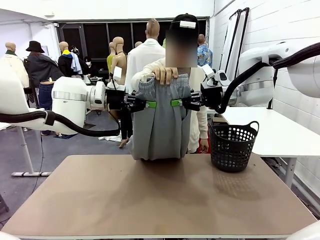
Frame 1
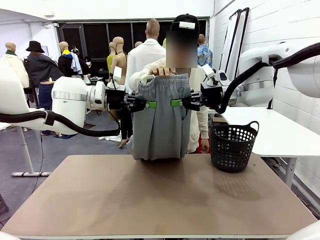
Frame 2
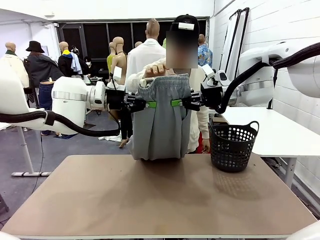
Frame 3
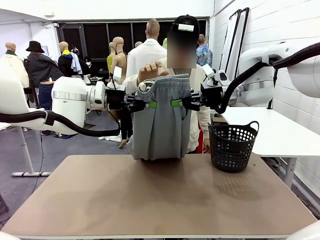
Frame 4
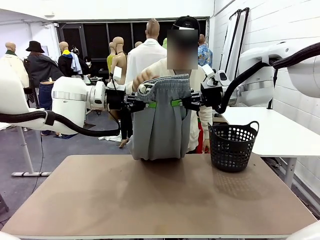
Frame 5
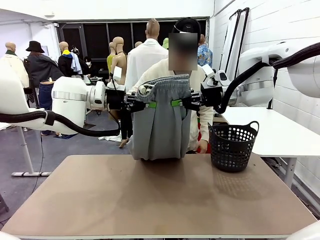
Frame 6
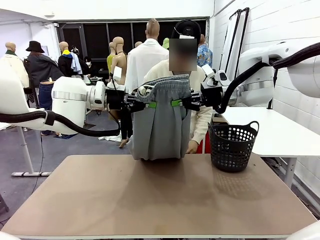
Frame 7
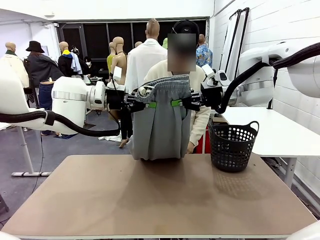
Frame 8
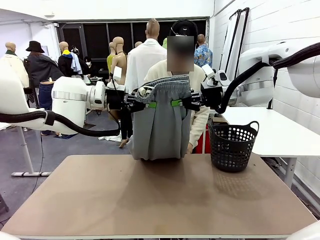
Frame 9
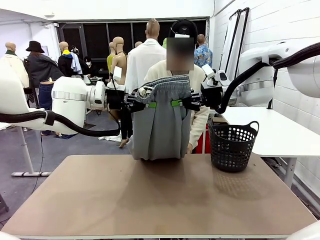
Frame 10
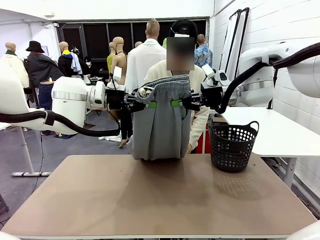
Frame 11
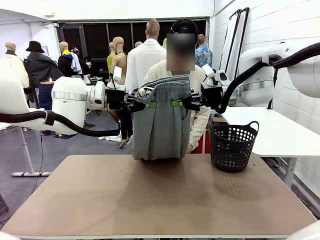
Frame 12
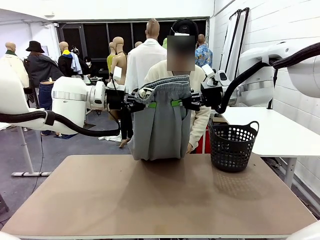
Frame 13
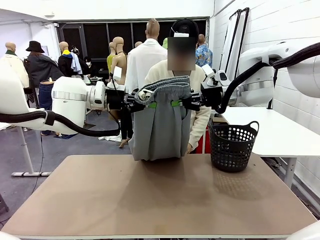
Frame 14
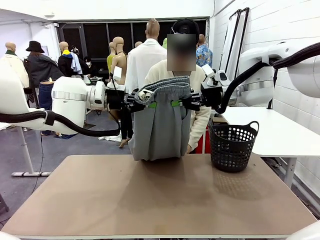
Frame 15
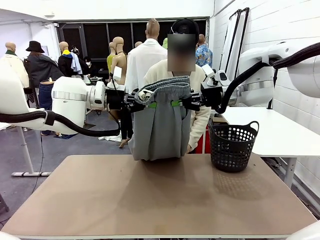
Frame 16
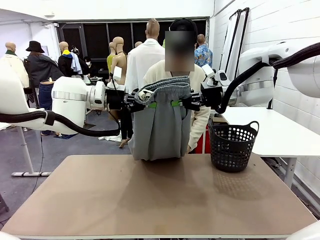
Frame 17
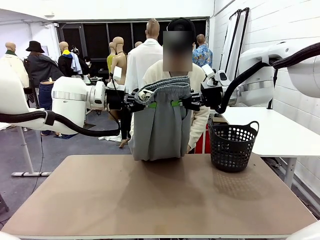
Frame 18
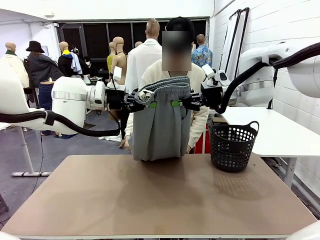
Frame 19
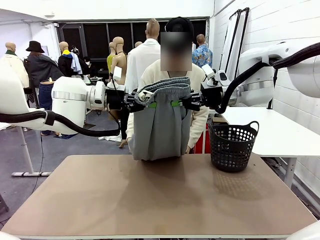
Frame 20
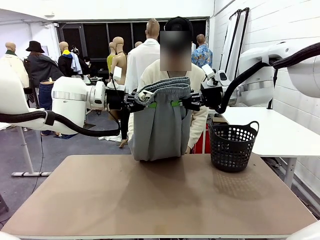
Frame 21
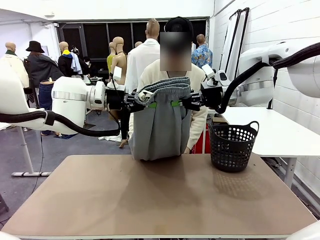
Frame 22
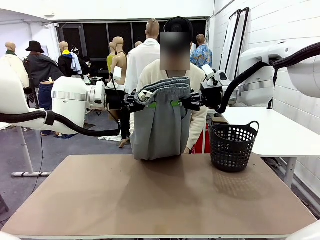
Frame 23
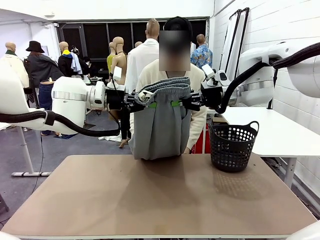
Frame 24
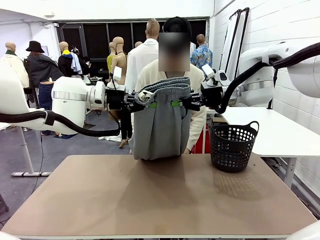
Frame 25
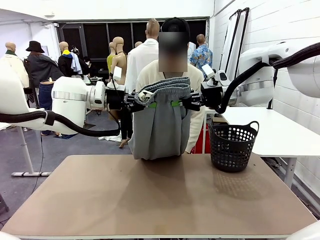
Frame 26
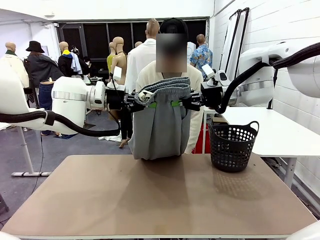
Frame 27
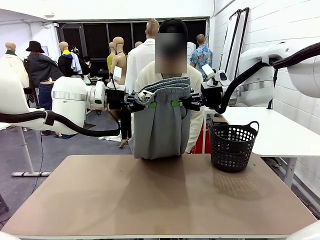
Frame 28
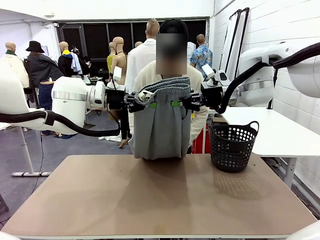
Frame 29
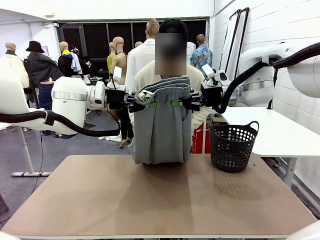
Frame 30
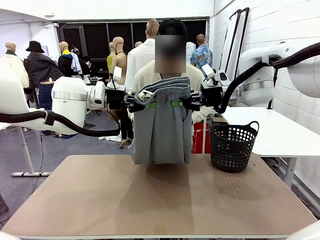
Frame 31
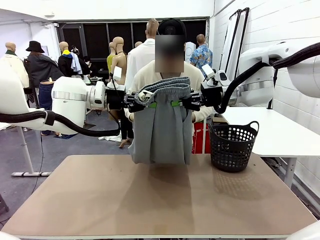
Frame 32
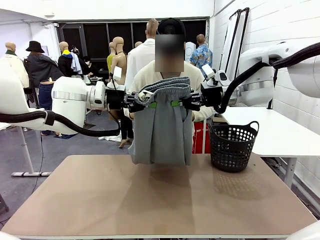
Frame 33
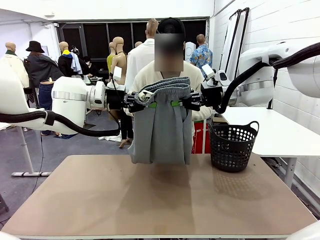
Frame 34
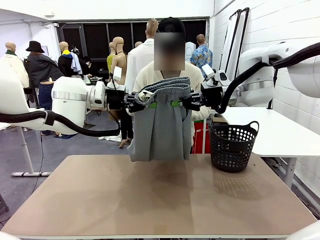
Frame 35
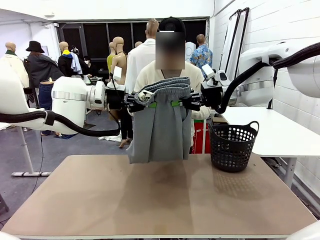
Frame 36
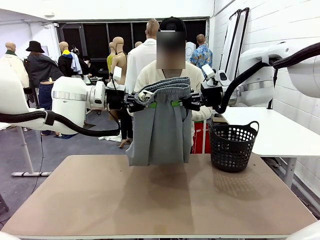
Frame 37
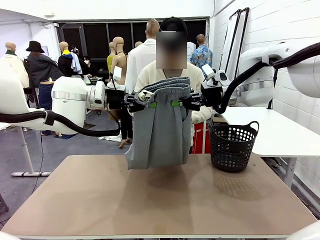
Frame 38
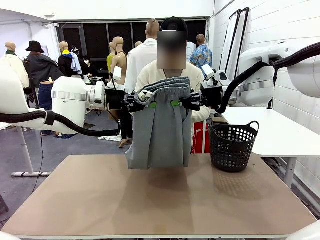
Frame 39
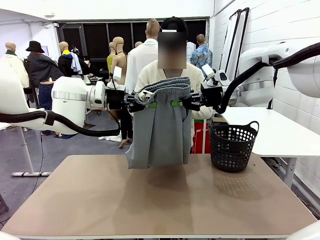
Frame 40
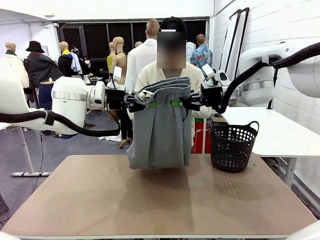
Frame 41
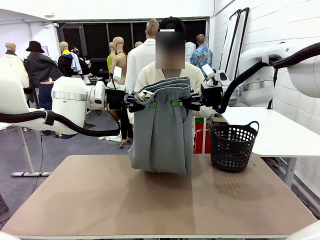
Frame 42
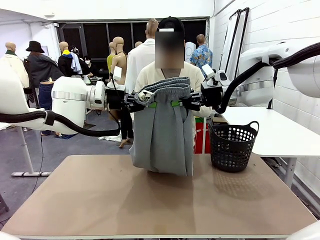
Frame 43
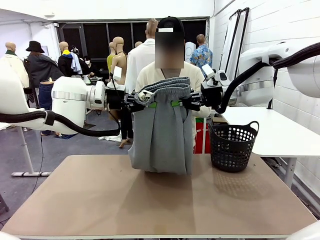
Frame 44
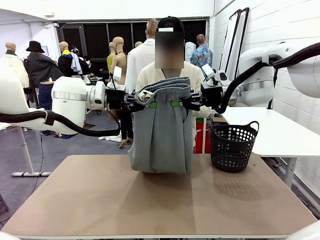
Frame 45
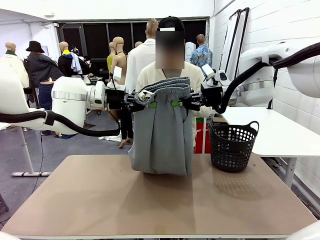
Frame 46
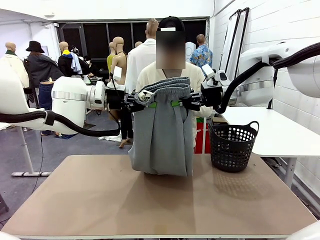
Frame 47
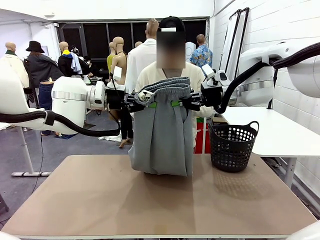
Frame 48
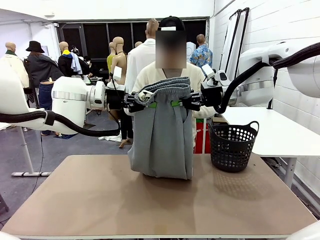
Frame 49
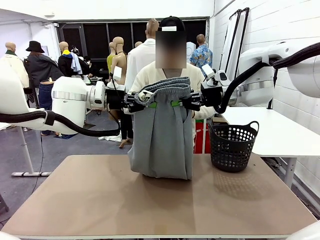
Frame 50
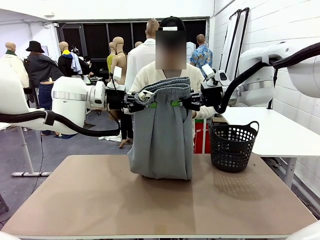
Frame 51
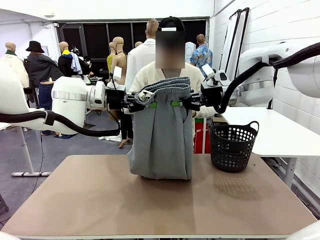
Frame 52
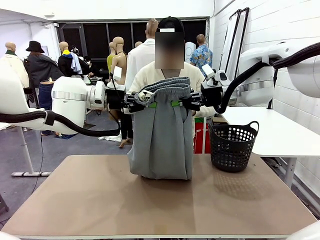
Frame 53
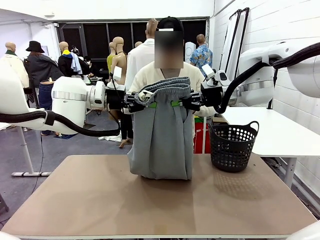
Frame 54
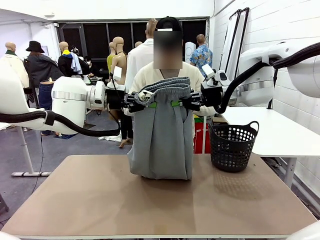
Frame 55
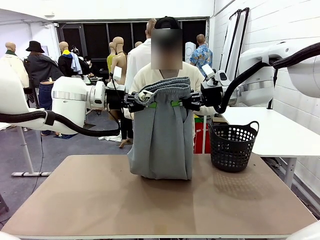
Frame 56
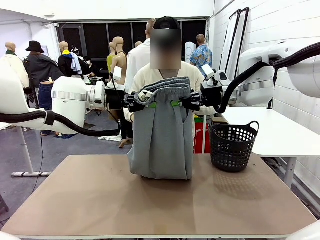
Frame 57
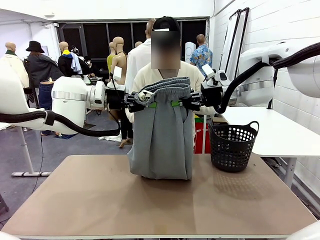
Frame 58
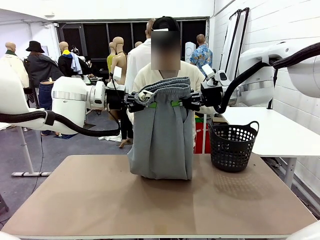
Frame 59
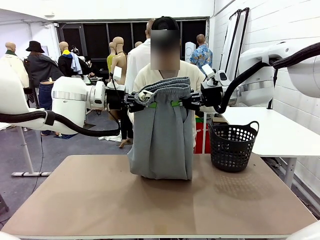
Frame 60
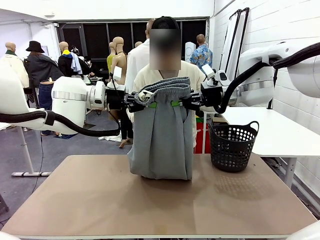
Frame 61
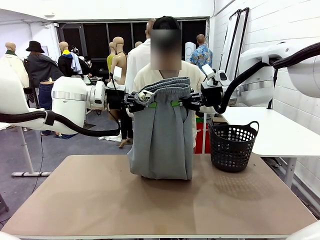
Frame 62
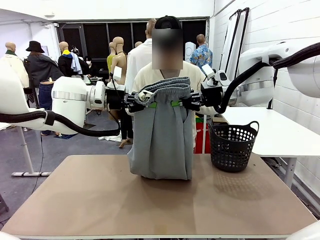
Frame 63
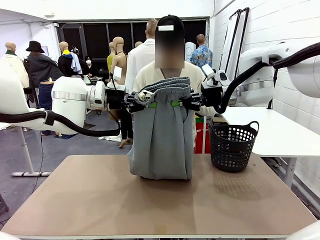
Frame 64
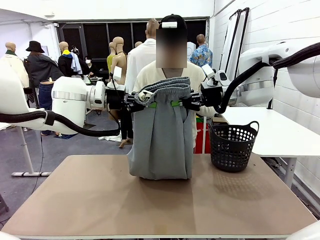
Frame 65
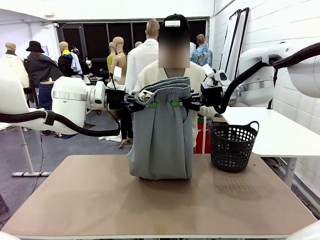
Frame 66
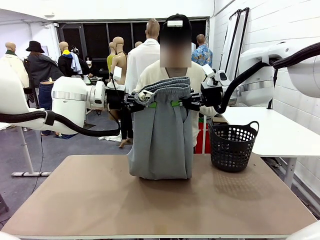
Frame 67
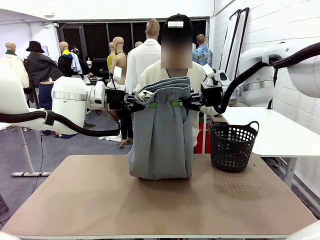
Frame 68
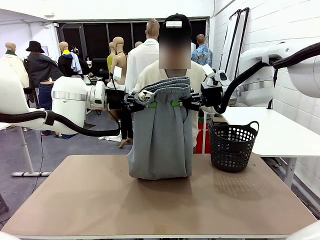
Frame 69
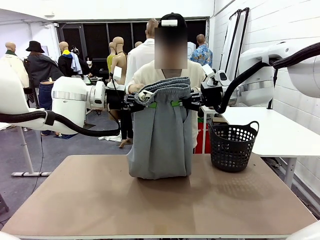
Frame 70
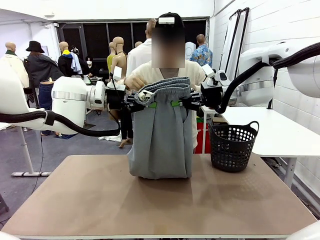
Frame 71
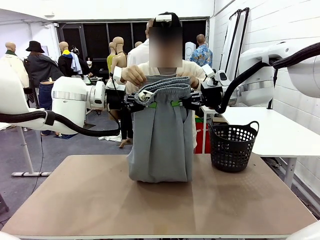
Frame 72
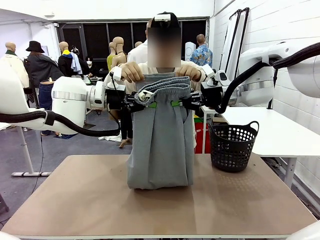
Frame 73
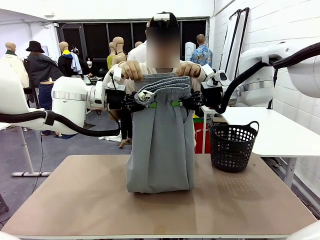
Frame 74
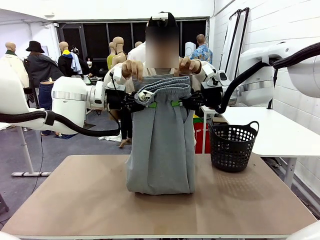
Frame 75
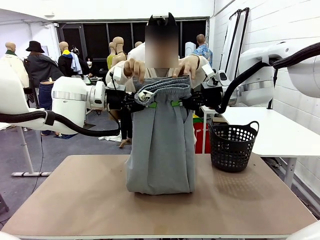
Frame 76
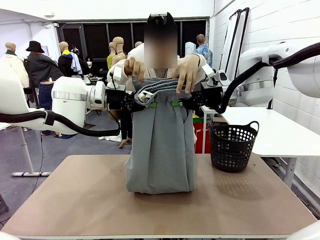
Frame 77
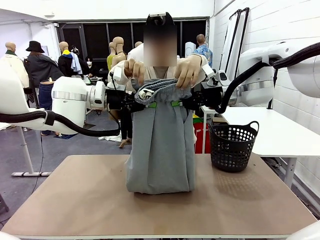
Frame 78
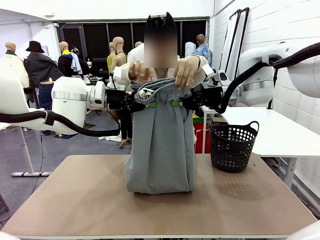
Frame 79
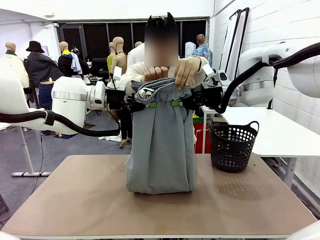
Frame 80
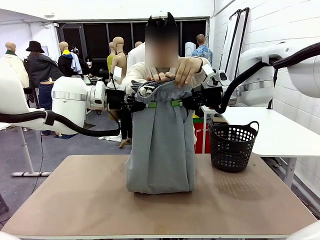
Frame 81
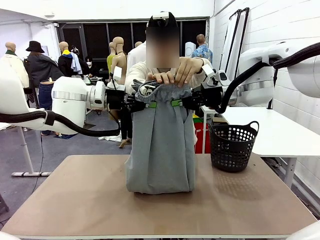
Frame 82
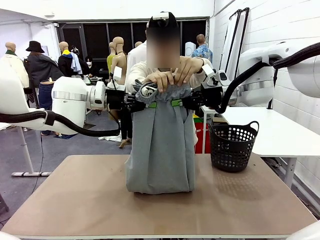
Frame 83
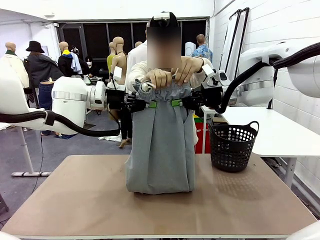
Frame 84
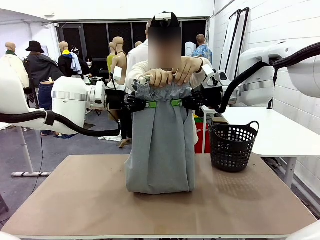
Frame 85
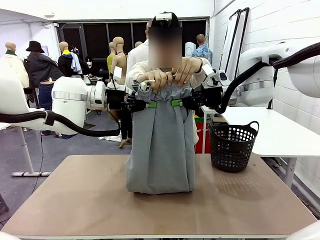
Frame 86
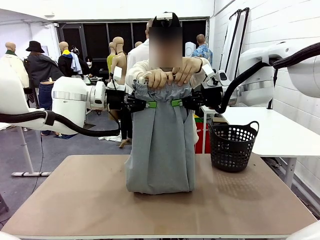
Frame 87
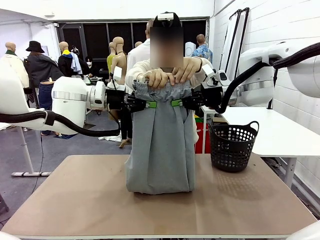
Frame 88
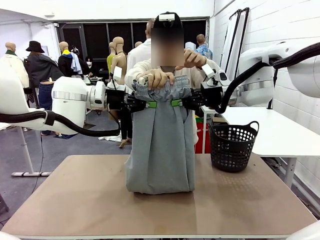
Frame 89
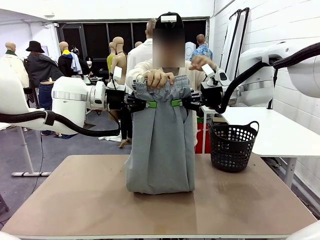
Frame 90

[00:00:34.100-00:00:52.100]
Task: Fold the training pants.
Robot: Release the ends of the Training pants and then grab the overlapped ends.
Person: Grasp the end opposite the point the robot is holding, fold the pants in half, and then grasp the overlapping top end of the folded pants.

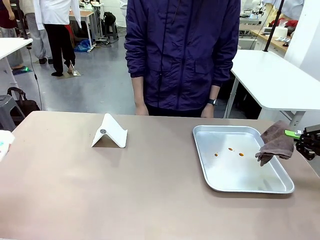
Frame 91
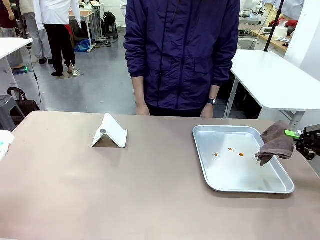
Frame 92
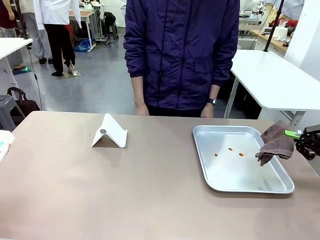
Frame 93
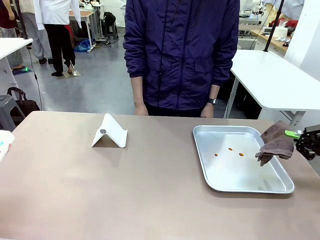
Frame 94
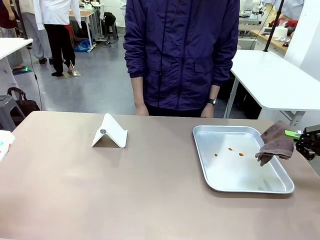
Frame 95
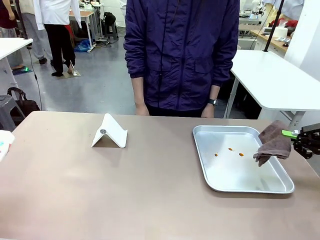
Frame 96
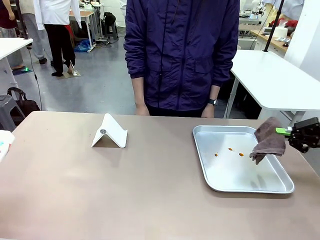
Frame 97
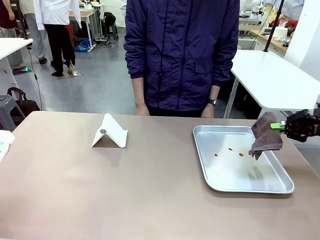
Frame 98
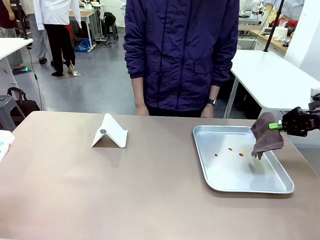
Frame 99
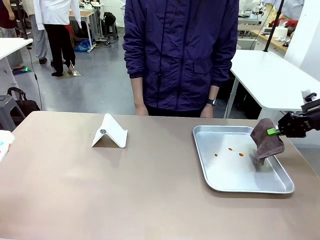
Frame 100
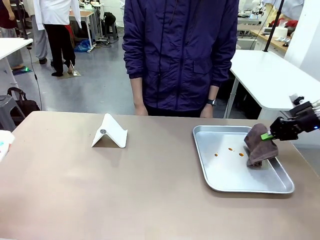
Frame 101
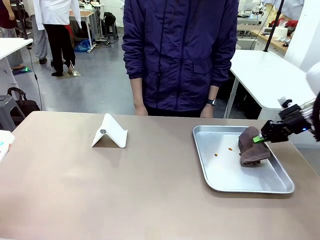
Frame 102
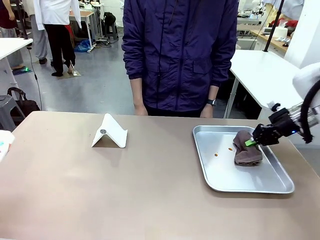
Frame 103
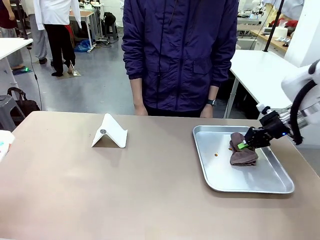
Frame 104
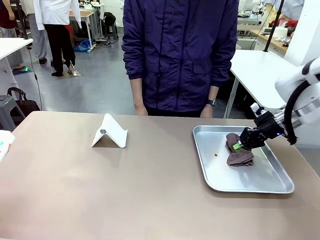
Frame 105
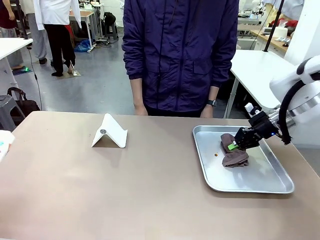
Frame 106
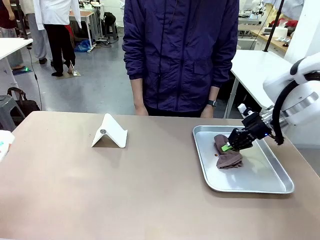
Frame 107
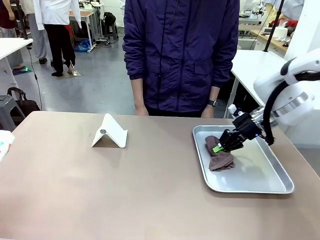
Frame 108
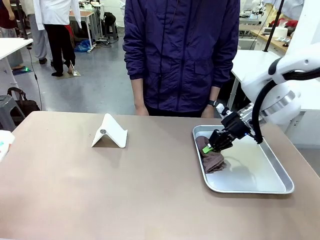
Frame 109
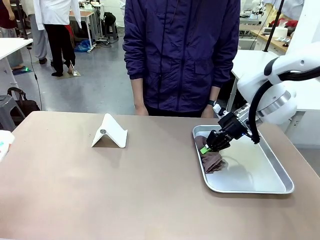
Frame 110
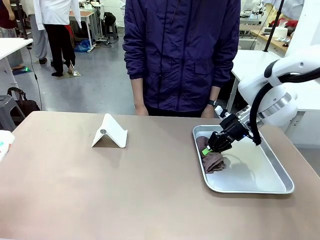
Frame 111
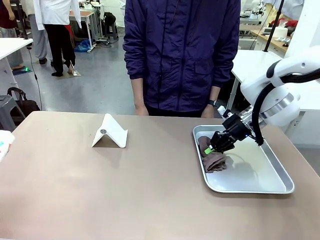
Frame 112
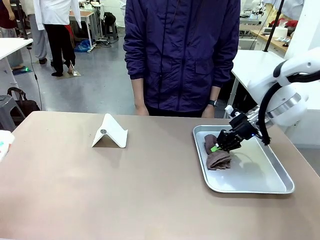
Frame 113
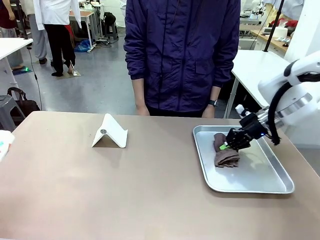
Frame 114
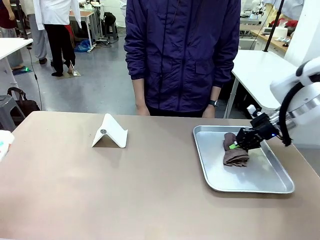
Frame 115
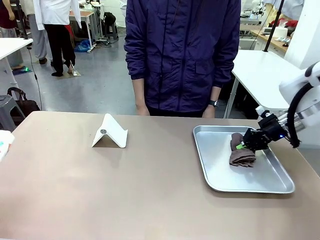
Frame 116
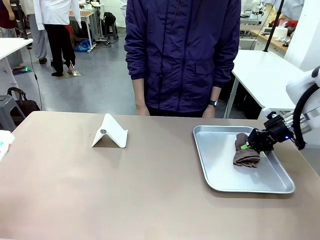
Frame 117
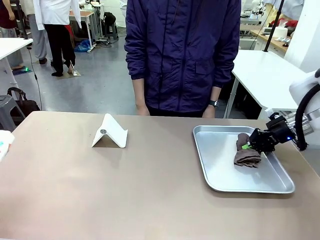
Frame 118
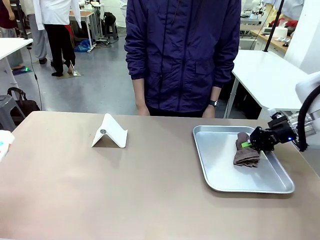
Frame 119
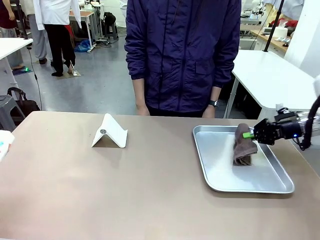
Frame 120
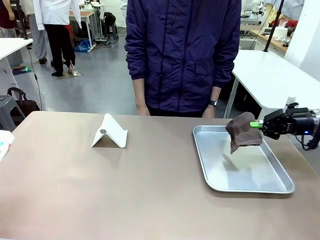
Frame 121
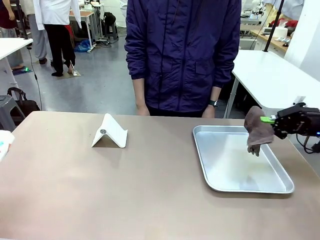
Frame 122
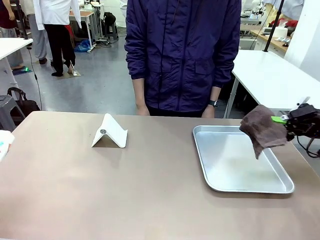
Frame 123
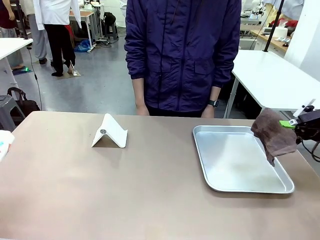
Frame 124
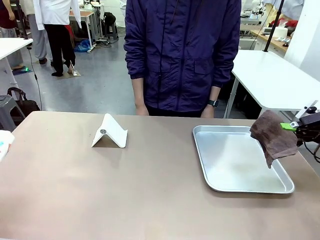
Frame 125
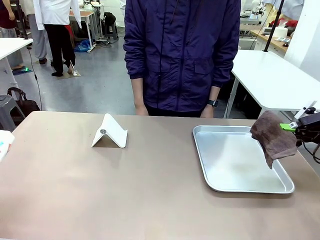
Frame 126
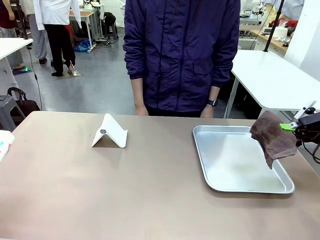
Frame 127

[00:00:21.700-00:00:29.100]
Task: Clean the surface of the table.
Robot: Clean the area not pointed to by the person.
